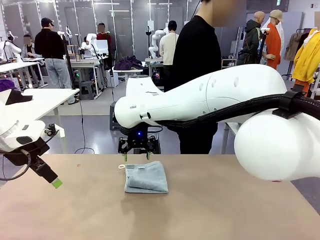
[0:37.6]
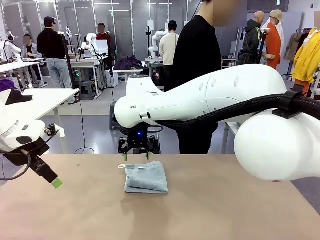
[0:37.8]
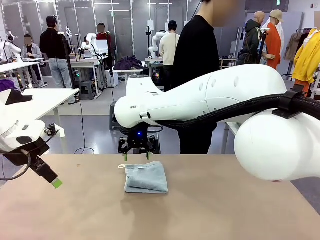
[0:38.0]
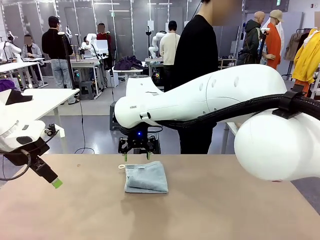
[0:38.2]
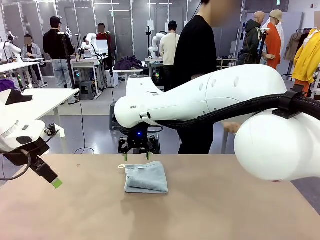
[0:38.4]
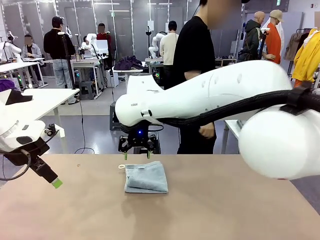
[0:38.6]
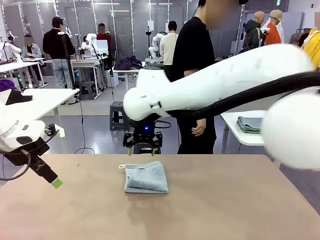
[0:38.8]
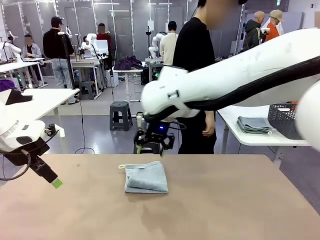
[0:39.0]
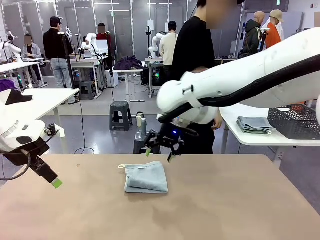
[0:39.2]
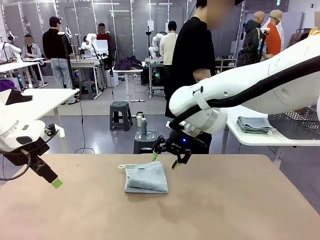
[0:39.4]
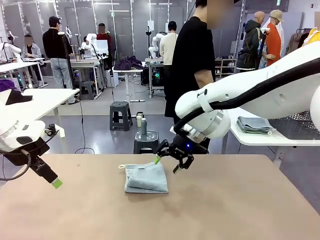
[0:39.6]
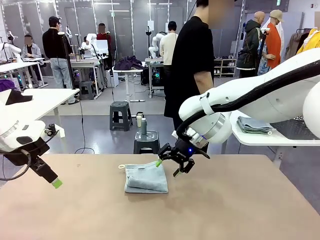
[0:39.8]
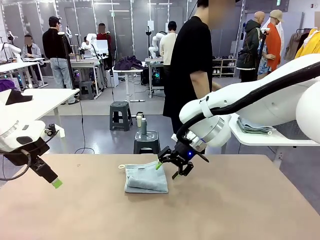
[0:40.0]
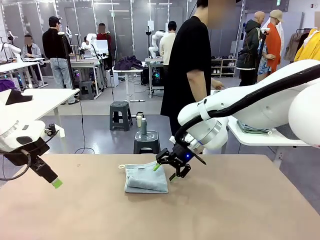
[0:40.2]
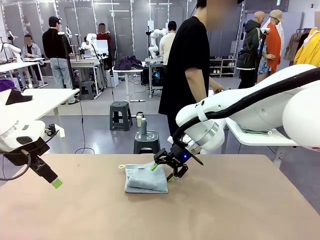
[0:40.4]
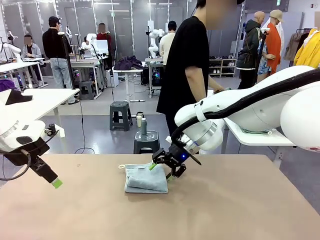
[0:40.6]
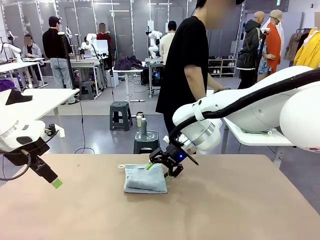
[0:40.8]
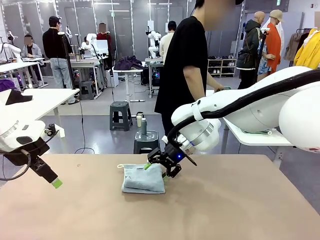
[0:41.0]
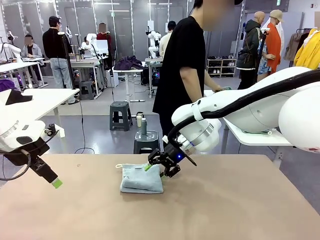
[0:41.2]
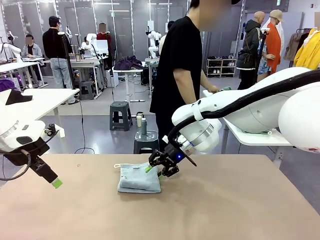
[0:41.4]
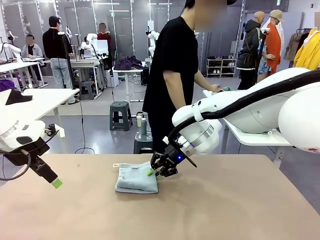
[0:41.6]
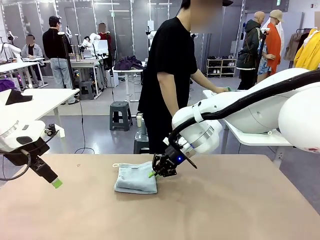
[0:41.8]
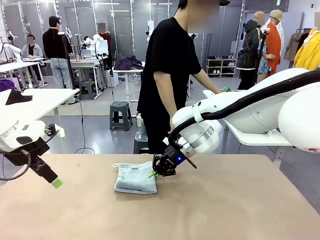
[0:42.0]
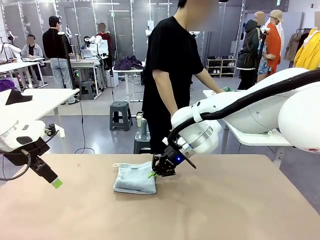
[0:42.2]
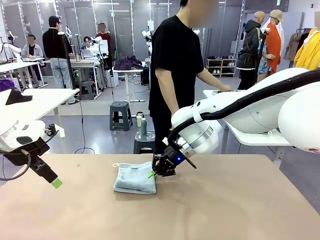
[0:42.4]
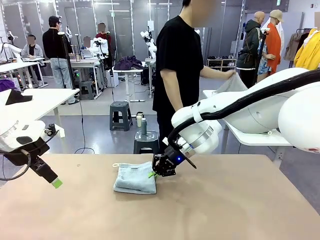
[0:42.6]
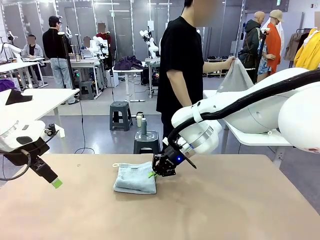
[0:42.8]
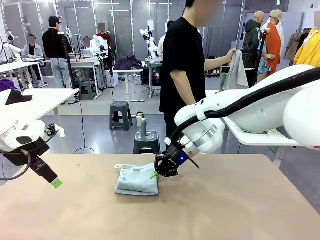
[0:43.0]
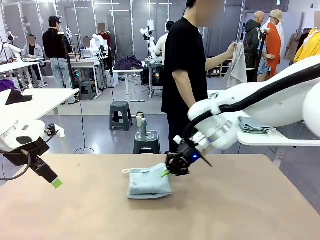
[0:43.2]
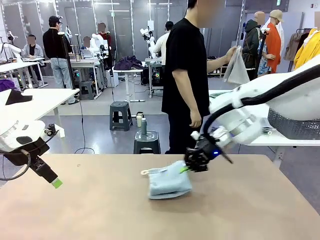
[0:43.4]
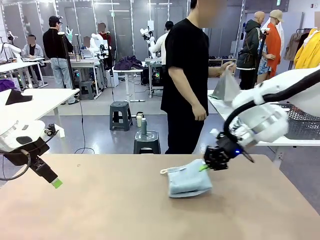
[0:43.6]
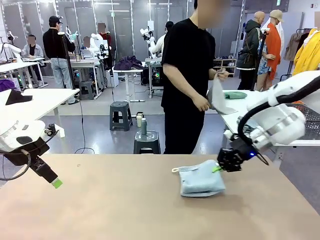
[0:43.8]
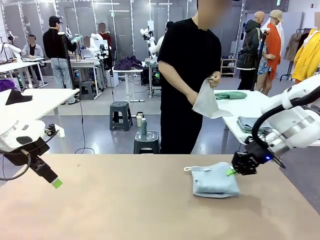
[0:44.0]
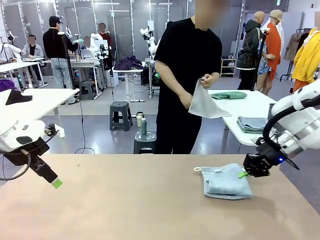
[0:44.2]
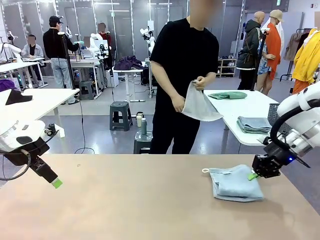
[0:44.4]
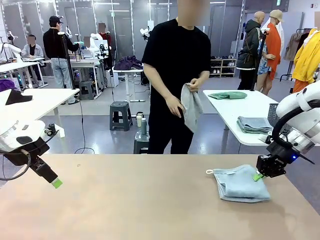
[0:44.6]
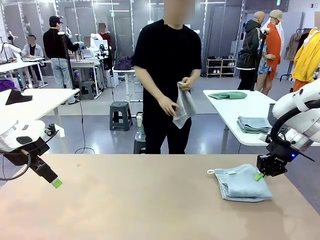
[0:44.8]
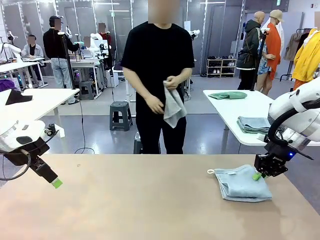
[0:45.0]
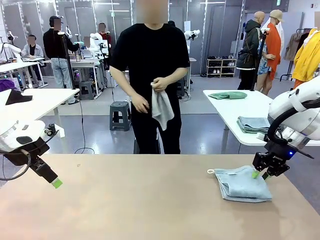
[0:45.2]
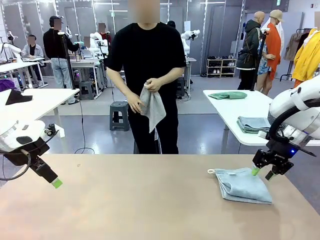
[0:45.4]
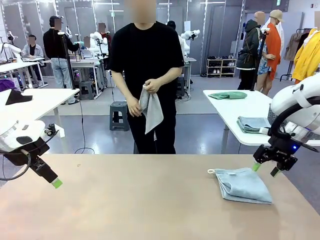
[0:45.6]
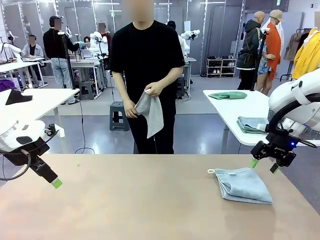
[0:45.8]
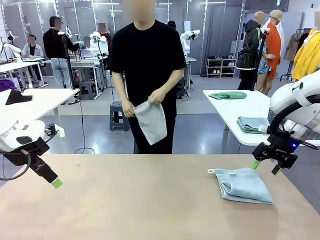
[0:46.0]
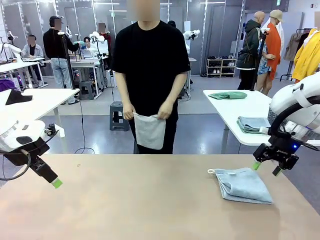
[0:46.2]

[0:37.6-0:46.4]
Task: Fold the towels and place them in the basket.
Robot: Place the folded Towel with hook on the right side of the table.
Person: Pick up one towel from the left side of the human table and spread it out at the center of the robot table.

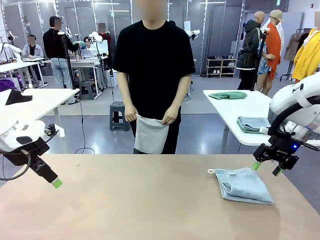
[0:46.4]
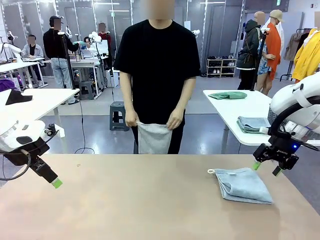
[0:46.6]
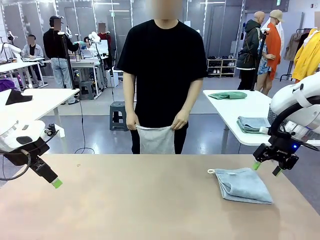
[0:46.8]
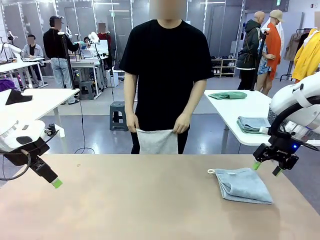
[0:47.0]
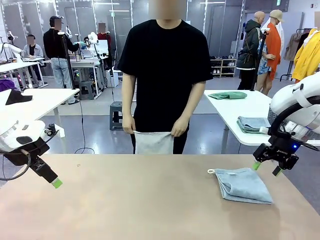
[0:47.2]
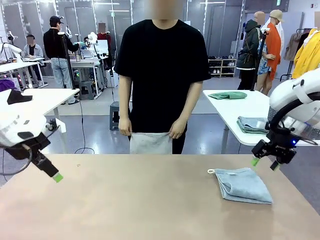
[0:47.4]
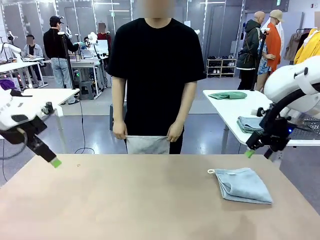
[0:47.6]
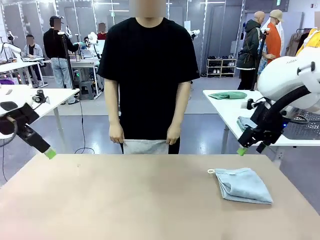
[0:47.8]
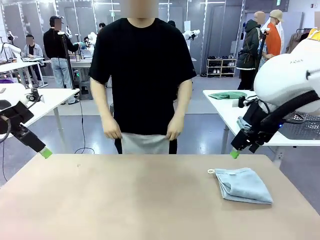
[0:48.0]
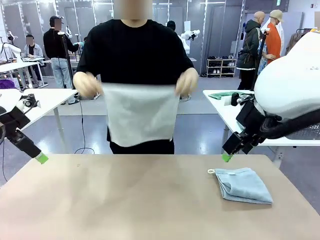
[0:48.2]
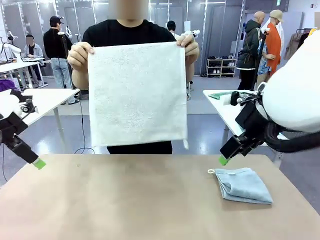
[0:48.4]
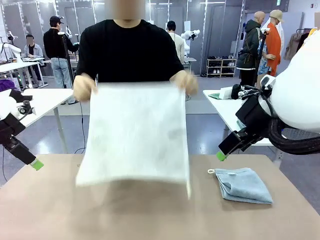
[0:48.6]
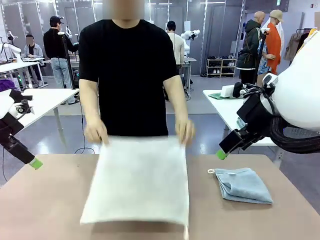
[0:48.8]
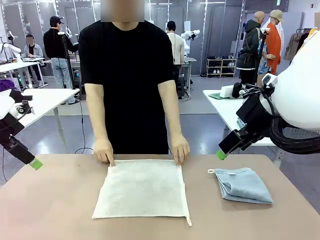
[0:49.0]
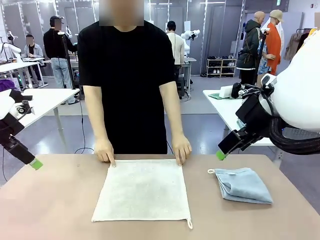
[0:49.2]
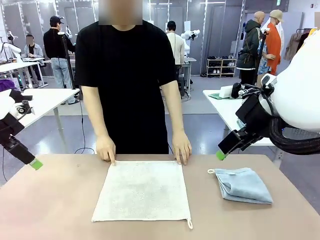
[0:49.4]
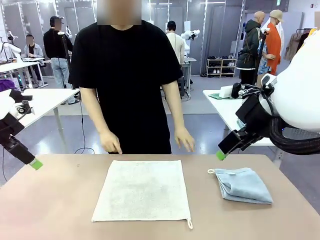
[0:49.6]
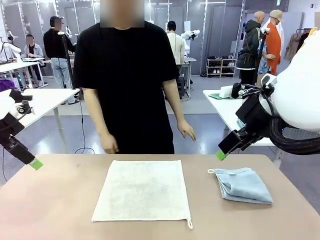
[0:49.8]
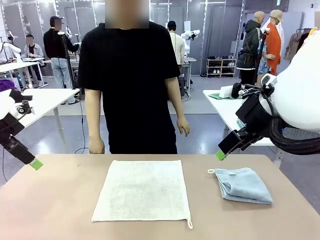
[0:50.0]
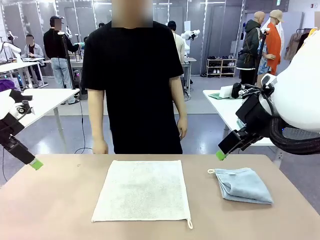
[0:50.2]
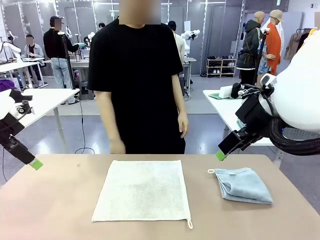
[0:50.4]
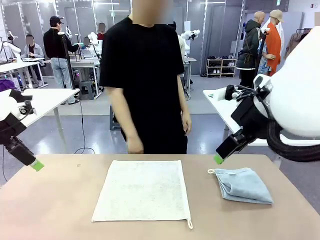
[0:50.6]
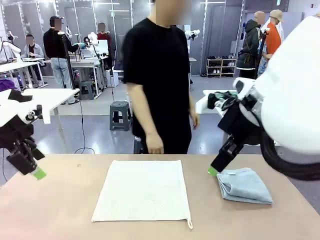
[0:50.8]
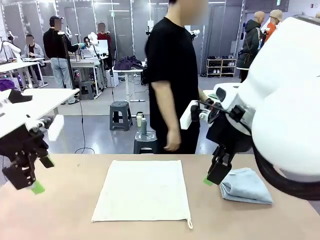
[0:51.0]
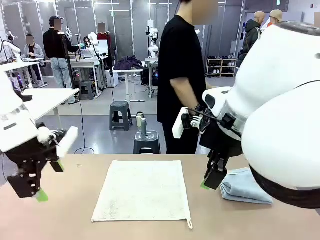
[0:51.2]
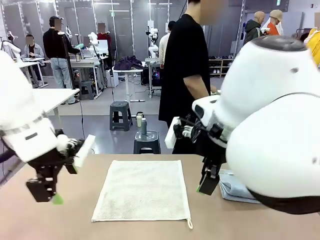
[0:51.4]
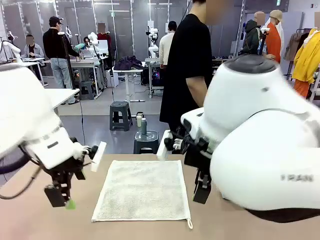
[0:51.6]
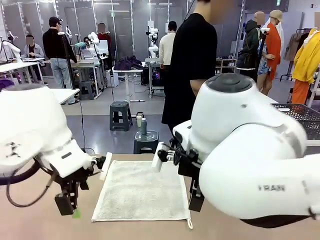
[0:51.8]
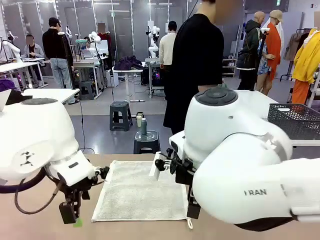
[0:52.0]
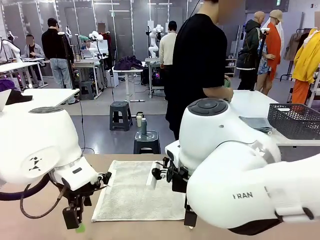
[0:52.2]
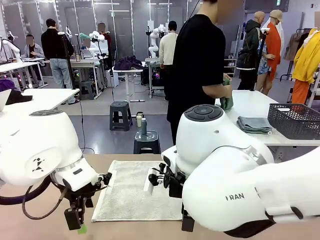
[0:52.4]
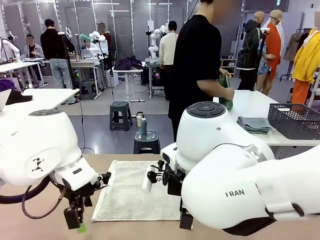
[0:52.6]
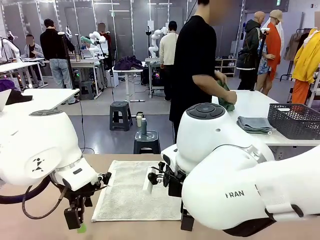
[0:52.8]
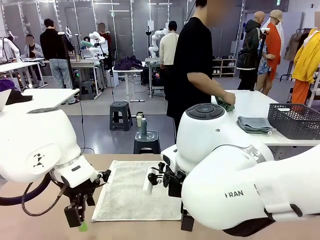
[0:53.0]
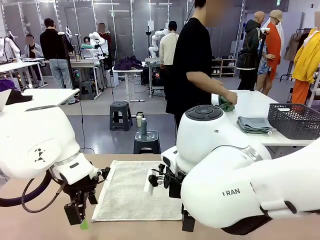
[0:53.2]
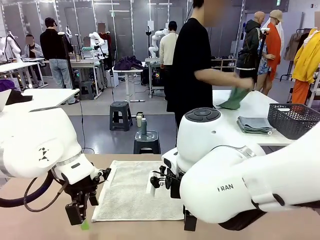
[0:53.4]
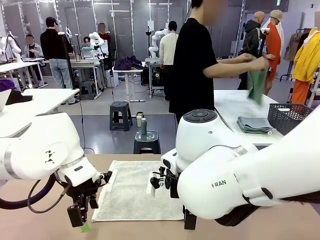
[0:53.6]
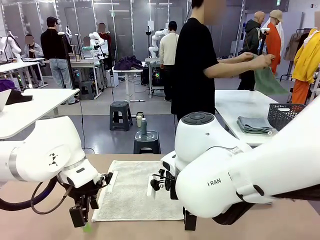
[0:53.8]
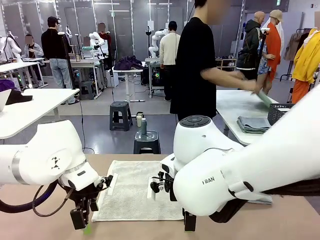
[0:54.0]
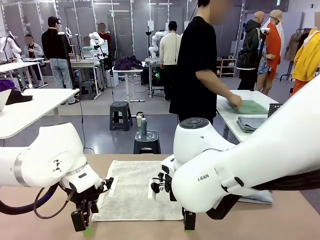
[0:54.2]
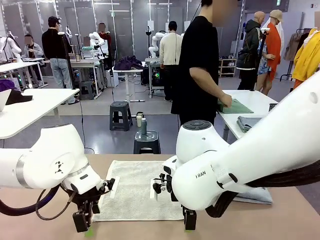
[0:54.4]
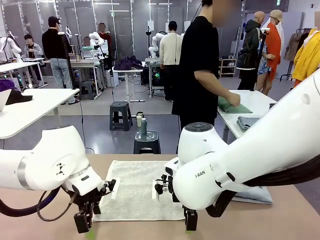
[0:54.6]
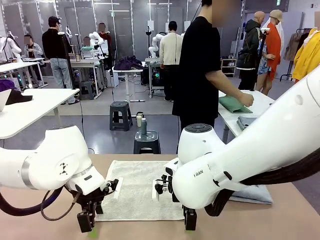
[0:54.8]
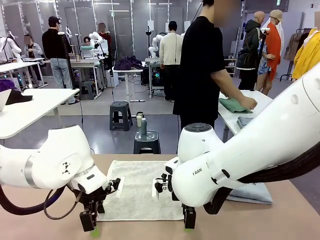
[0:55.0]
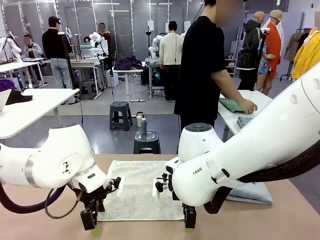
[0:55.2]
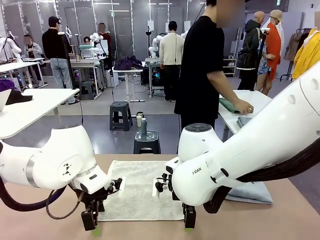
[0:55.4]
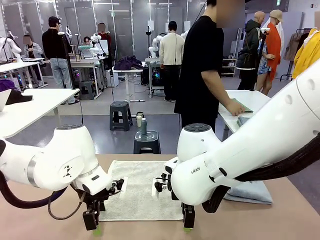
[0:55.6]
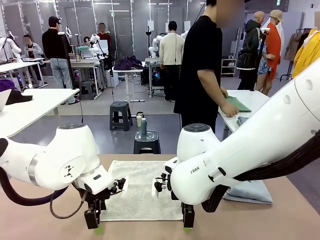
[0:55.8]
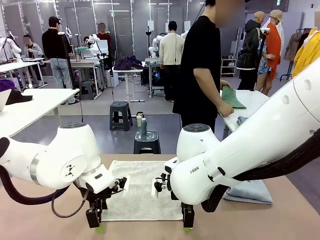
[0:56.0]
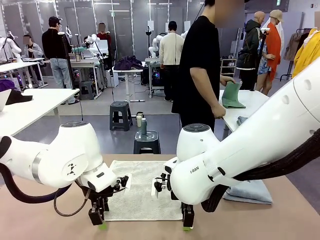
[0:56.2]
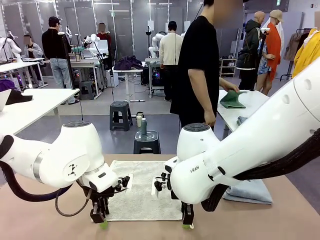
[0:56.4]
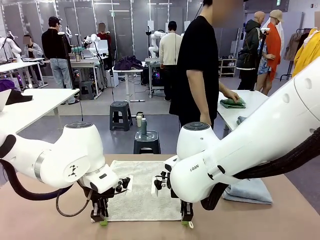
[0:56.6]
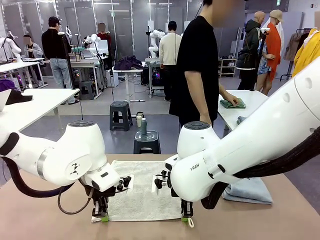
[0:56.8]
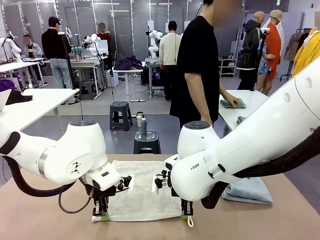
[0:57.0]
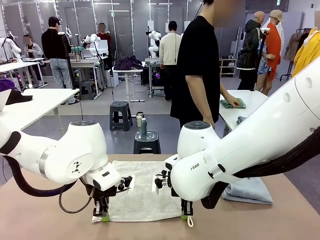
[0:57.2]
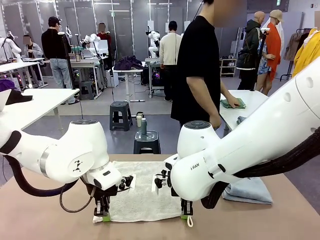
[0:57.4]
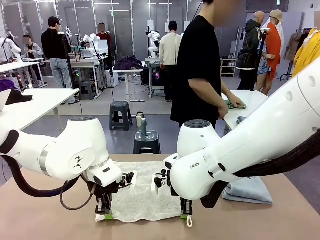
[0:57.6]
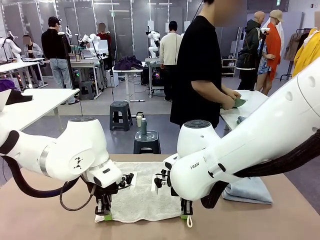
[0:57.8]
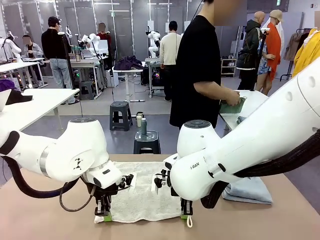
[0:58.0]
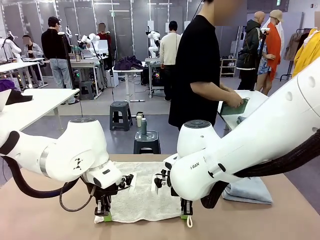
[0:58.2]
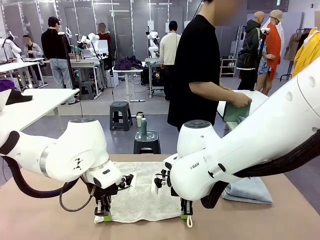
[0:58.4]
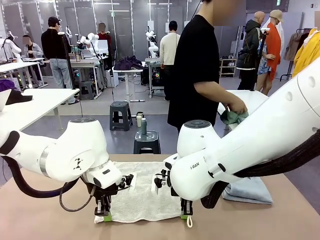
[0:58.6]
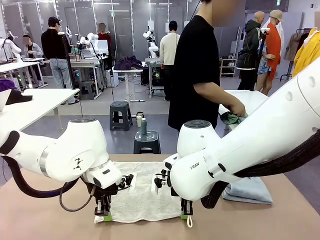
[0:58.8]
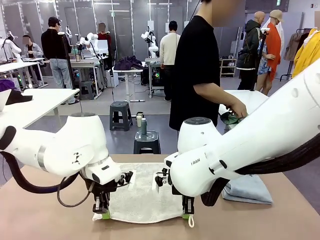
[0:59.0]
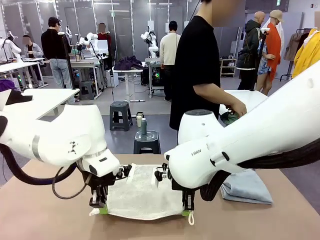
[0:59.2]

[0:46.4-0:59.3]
Robot: When a person lays out a Towel with hook on the table, fold it in half twice.
Person: Pick up one towel from the left side of the human table, fold it in half twice, and stack it on the right side of the table.
